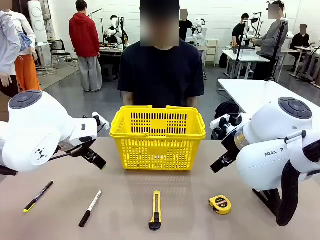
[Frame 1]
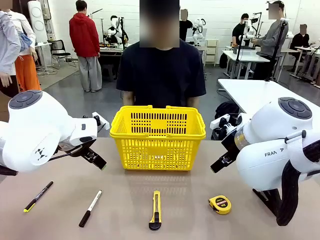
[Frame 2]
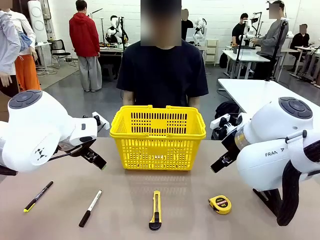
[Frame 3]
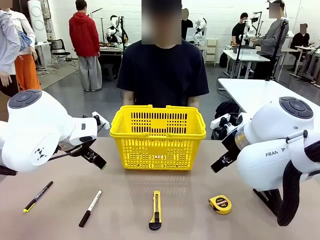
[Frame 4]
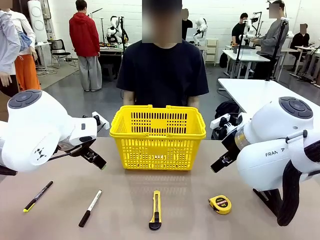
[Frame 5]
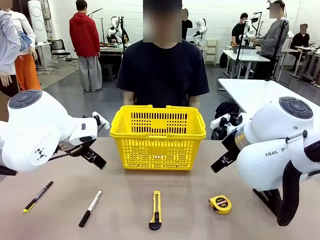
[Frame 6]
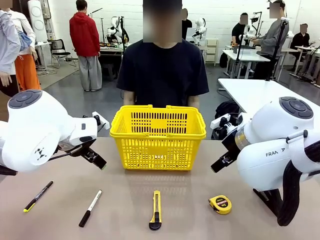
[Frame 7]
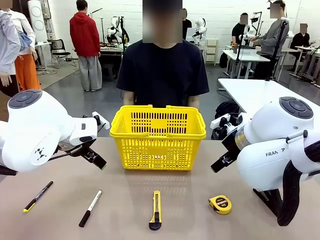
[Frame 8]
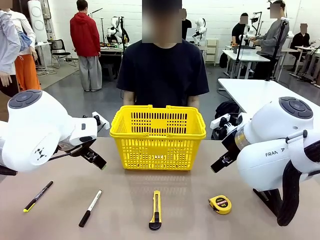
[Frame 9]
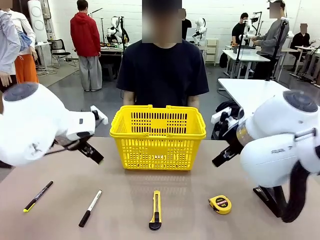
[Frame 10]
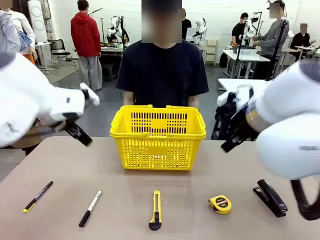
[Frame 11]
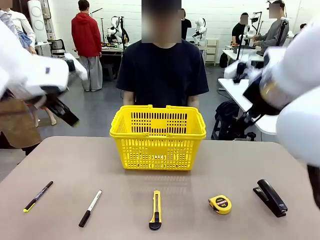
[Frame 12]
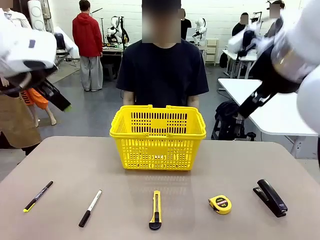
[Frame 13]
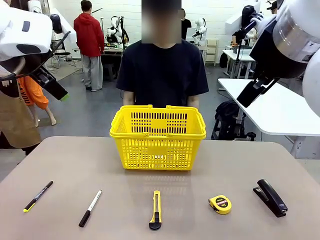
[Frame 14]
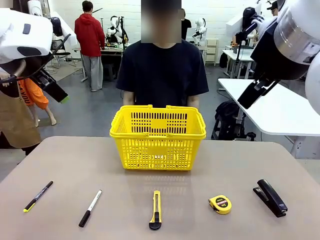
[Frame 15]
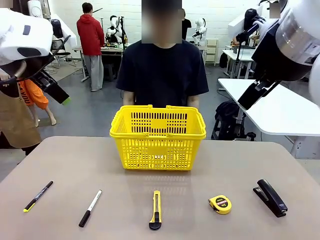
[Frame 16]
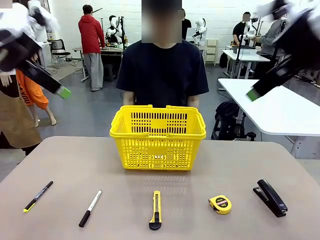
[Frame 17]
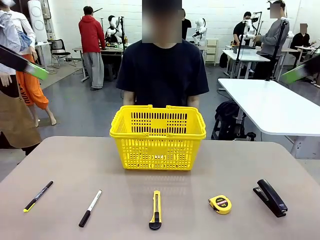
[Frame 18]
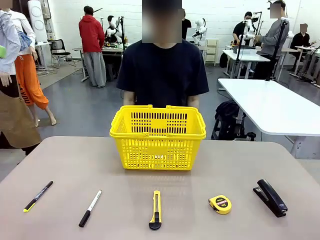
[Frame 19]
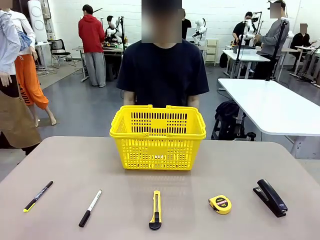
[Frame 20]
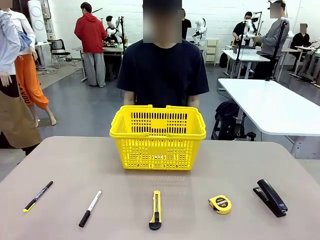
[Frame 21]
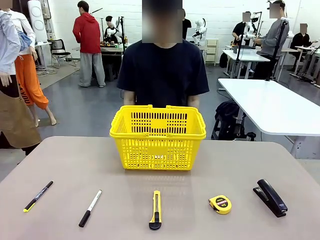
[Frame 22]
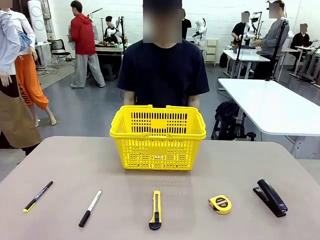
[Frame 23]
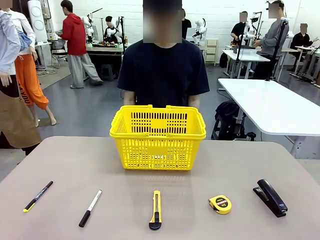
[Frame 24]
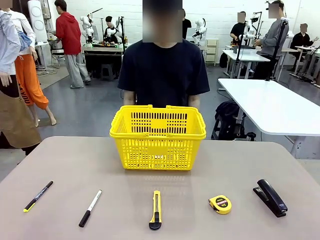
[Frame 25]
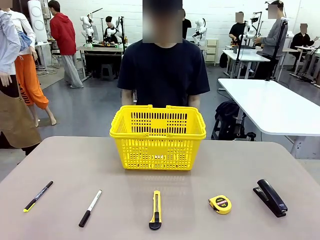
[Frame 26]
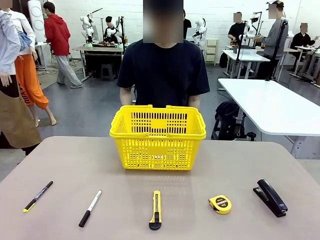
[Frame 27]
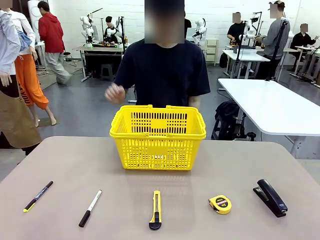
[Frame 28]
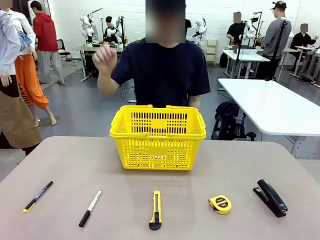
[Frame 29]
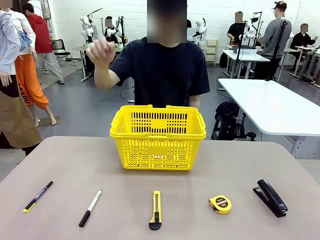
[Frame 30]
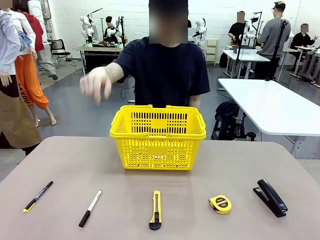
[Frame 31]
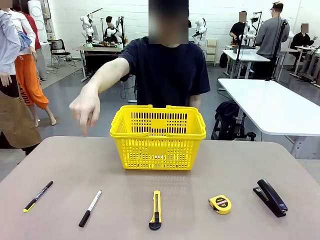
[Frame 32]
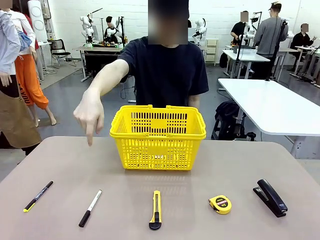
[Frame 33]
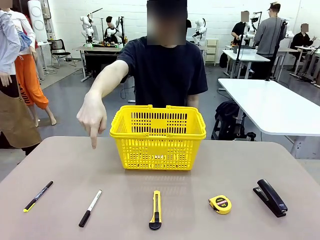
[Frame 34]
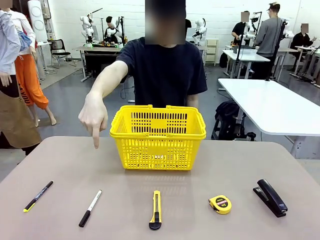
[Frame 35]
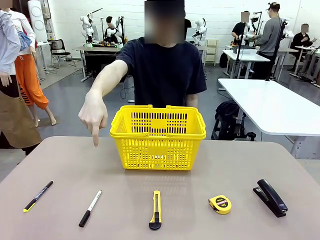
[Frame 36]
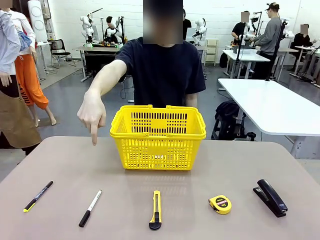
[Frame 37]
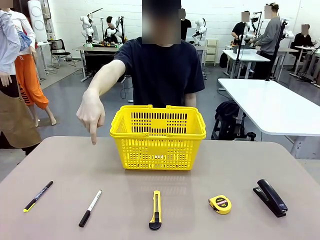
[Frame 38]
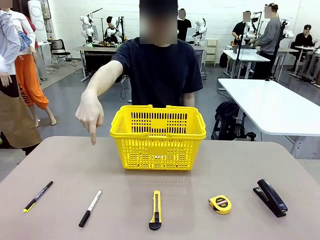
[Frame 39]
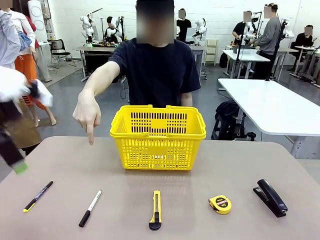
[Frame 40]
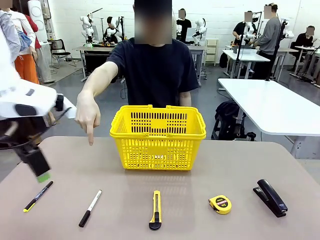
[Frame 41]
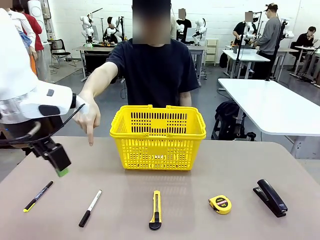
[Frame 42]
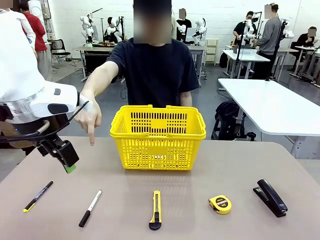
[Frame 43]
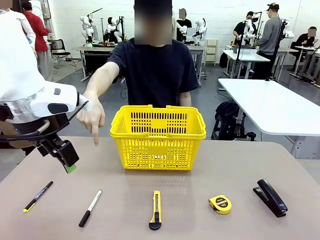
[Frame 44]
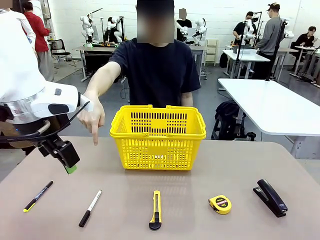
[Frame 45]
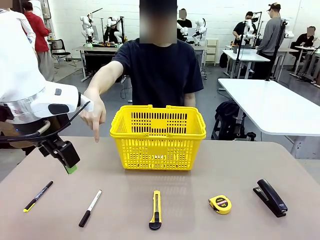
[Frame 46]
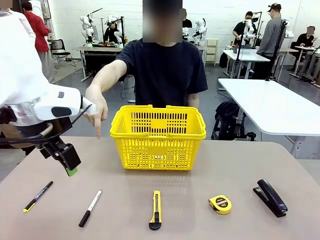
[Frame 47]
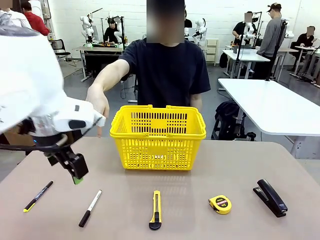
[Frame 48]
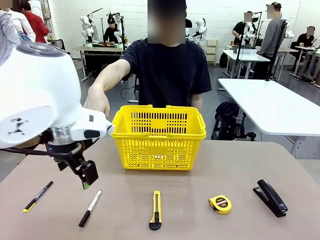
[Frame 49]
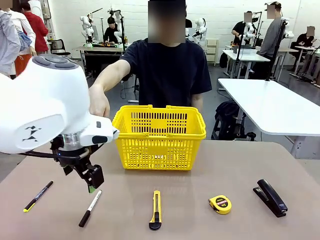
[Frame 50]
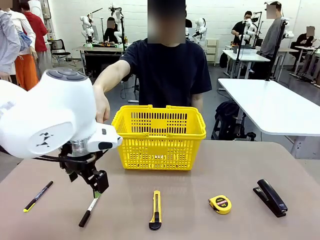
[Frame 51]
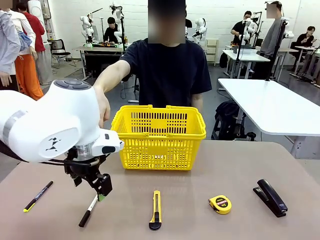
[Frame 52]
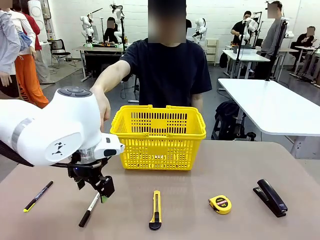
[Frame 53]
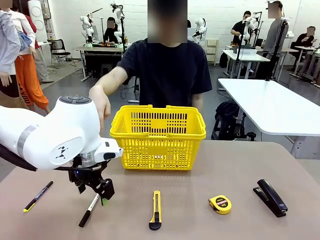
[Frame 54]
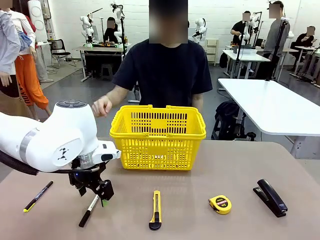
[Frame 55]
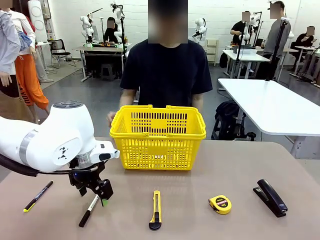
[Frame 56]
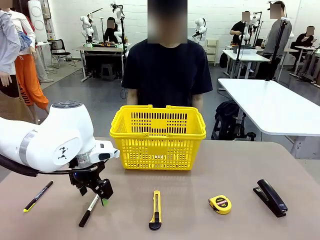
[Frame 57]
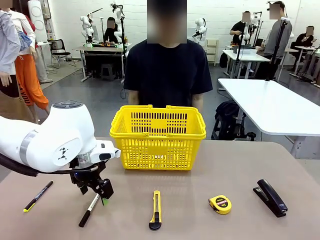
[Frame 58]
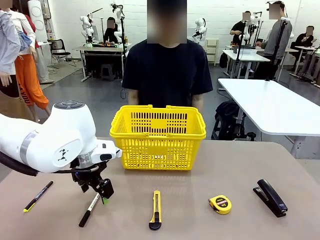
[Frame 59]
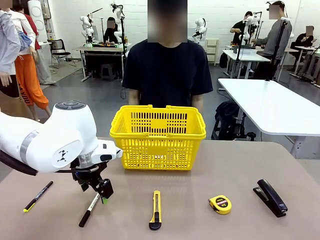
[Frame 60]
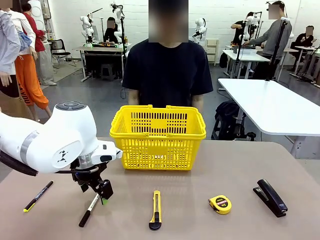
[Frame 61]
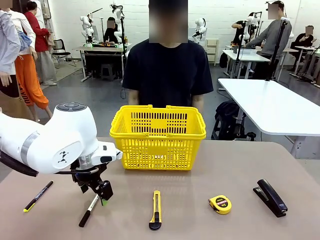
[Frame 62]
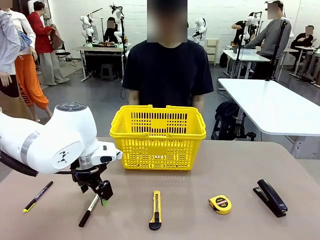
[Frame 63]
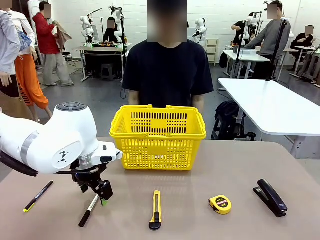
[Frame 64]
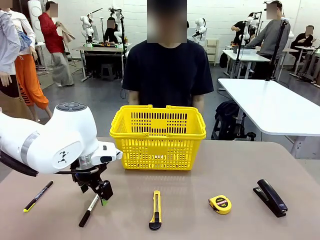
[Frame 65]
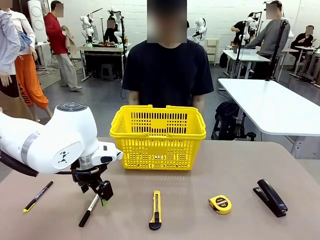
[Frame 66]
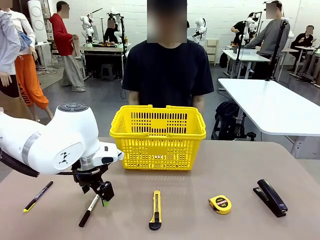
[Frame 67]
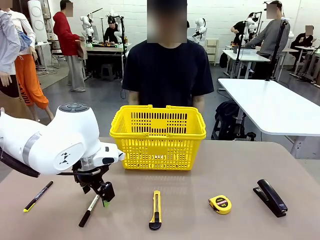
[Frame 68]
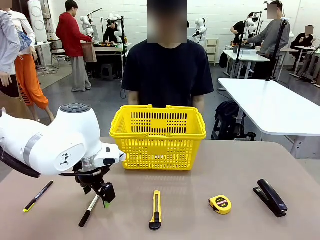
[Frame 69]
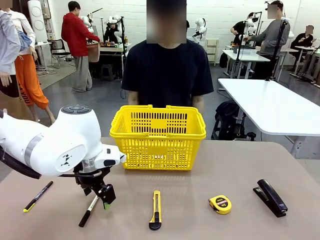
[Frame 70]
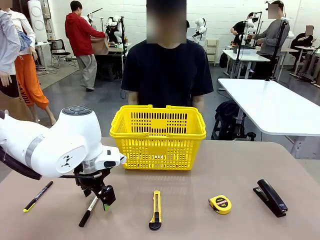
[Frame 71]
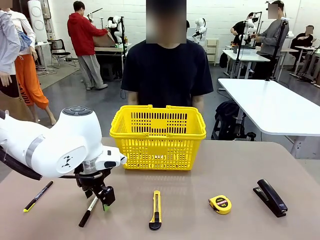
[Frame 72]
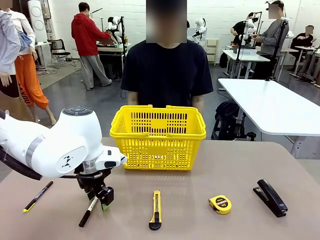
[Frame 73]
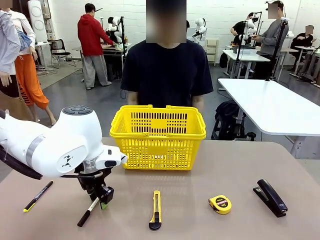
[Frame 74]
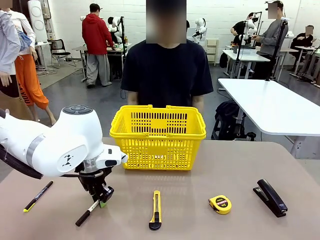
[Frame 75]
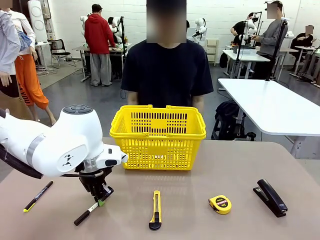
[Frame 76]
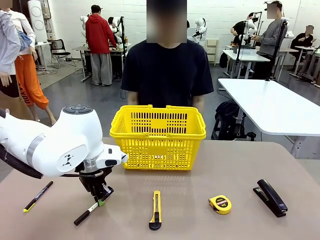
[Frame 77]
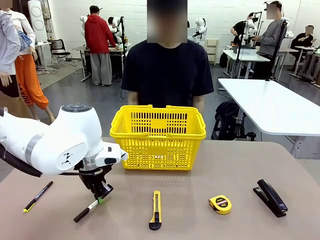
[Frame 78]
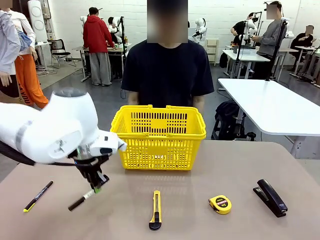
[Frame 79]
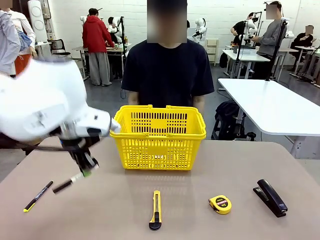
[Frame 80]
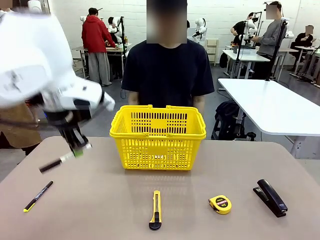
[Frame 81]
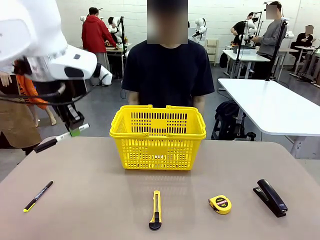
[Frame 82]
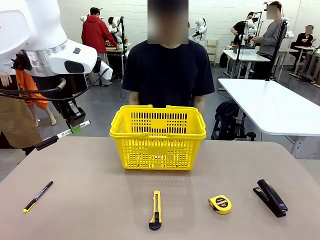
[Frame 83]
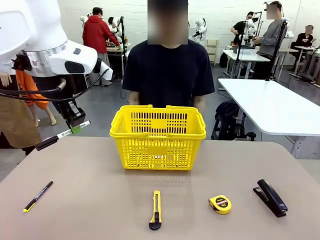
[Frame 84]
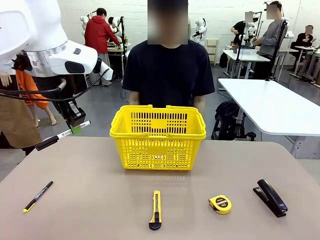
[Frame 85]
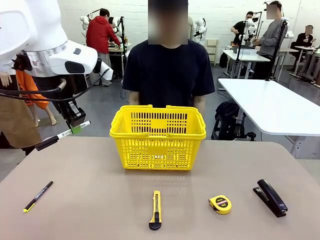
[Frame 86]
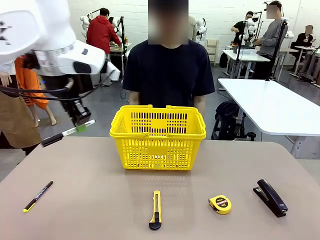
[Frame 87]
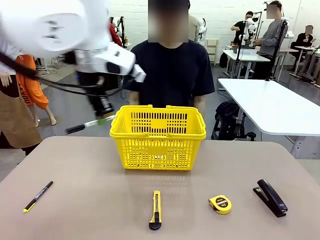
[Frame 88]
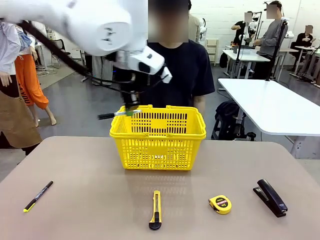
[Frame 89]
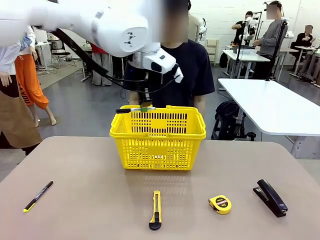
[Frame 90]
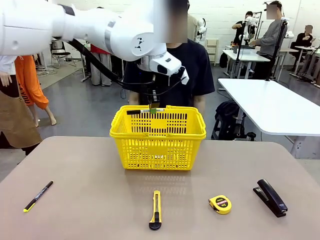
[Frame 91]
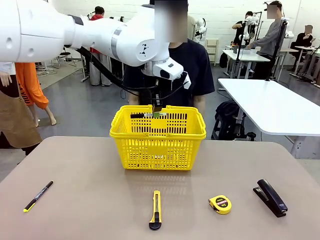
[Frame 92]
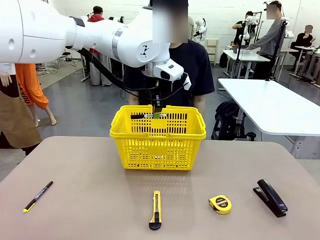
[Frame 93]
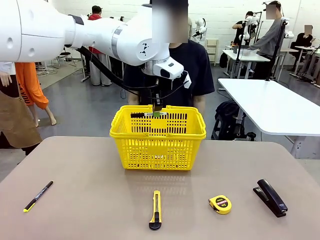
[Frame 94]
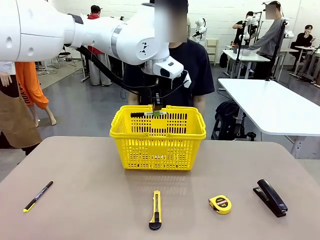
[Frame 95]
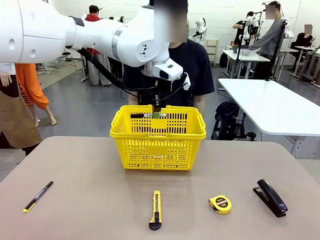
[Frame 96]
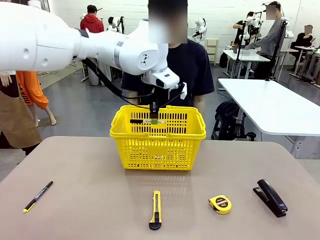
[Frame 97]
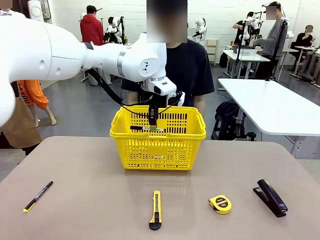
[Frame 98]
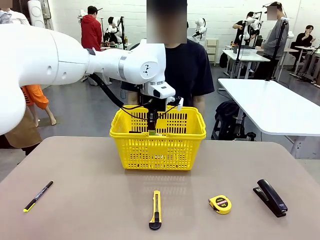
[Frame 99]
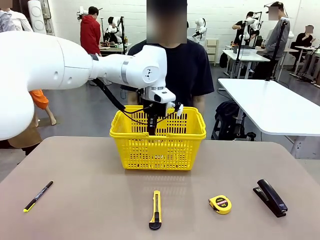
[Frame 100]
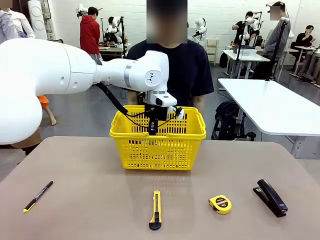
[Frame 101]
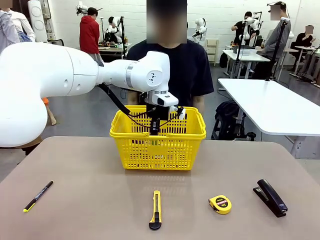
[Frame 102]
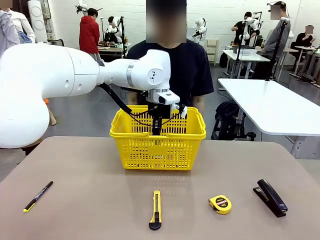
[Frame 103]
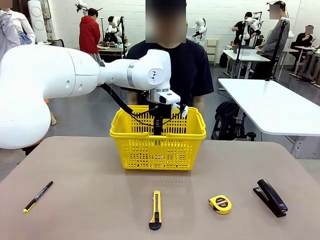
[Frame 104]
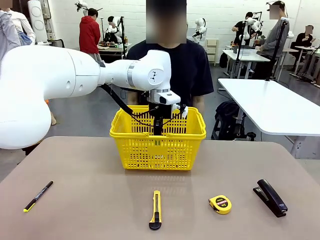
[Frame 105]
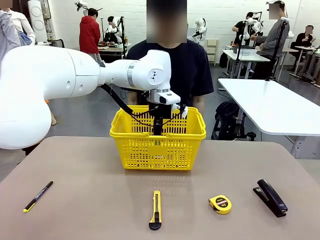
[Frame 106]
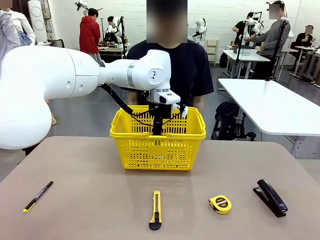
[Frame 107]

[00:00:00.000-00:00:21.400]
Task: Place the items the person wants into the basket.
Robot: Pick up the item the person points to and place it in the Market Basket.
